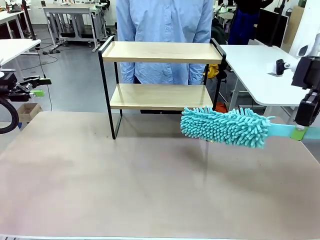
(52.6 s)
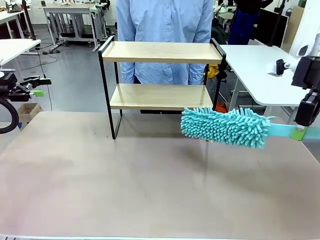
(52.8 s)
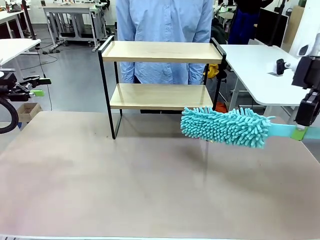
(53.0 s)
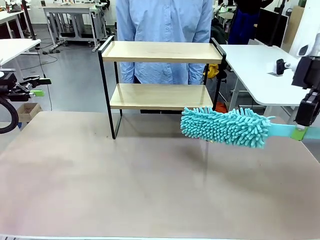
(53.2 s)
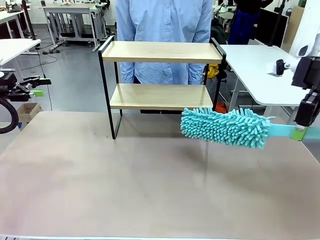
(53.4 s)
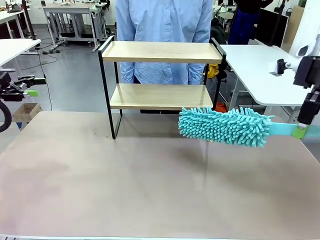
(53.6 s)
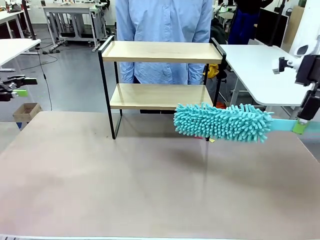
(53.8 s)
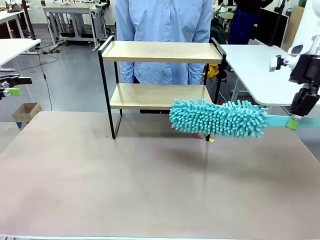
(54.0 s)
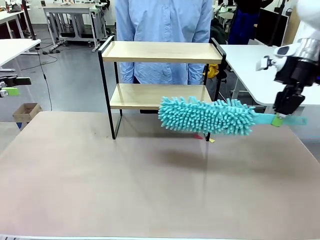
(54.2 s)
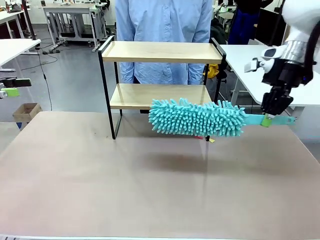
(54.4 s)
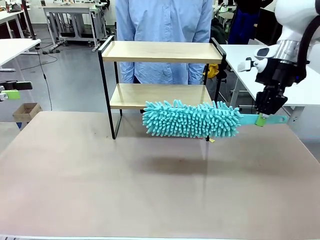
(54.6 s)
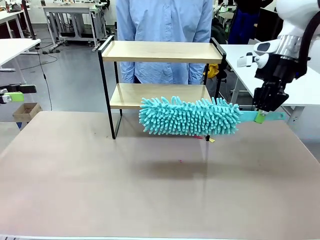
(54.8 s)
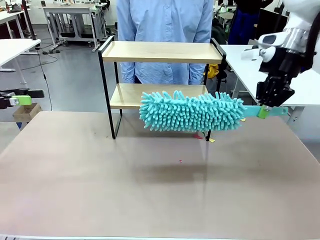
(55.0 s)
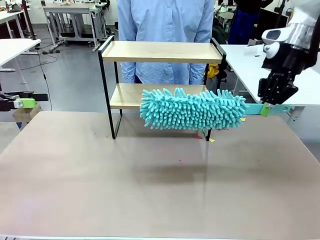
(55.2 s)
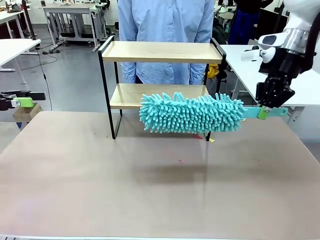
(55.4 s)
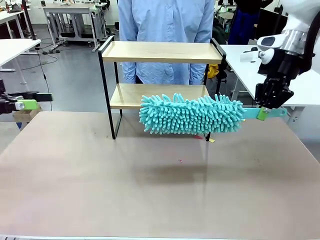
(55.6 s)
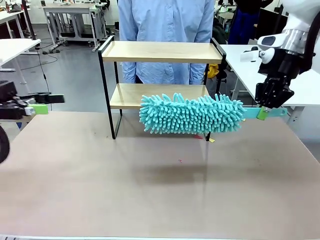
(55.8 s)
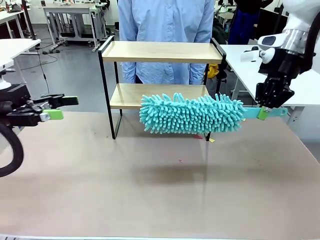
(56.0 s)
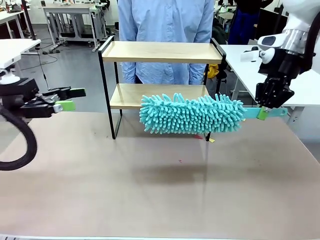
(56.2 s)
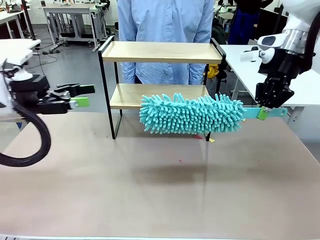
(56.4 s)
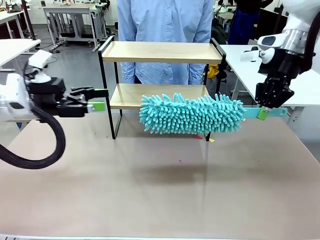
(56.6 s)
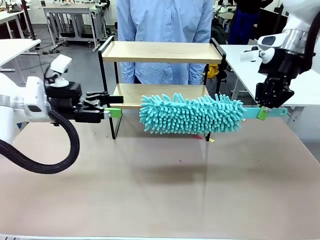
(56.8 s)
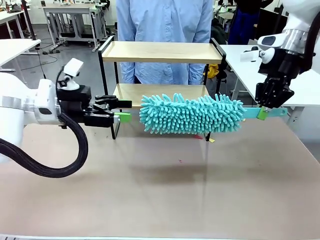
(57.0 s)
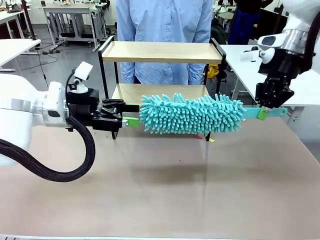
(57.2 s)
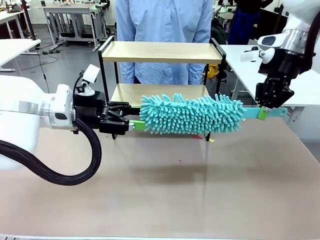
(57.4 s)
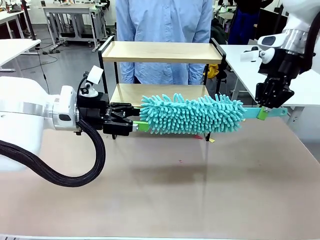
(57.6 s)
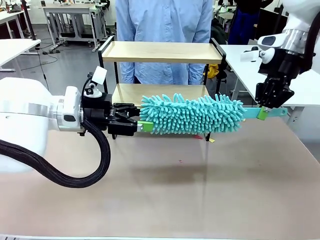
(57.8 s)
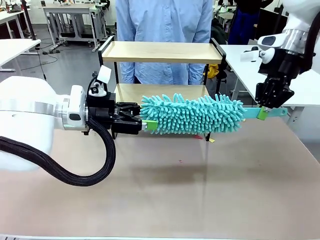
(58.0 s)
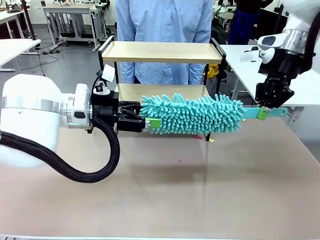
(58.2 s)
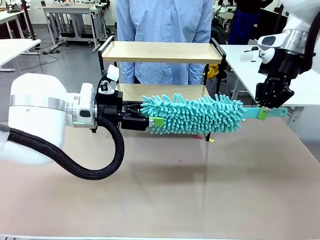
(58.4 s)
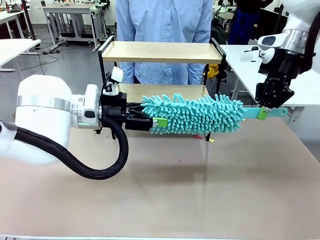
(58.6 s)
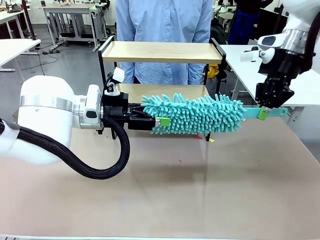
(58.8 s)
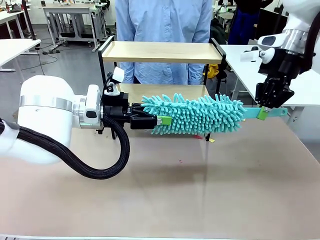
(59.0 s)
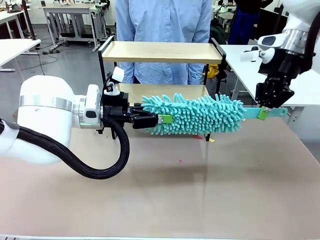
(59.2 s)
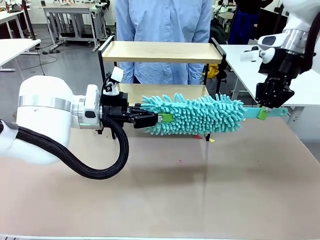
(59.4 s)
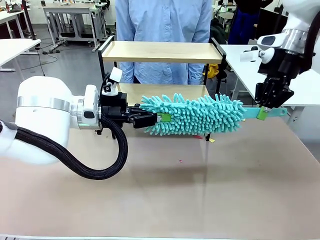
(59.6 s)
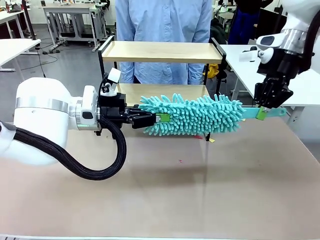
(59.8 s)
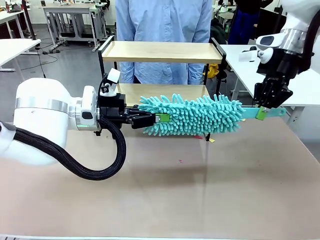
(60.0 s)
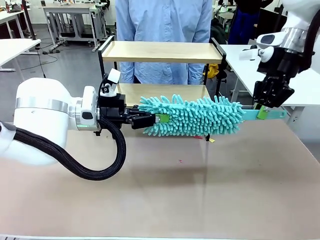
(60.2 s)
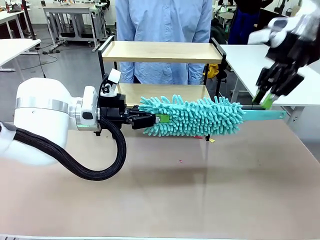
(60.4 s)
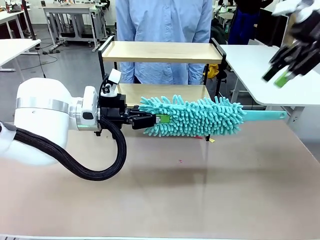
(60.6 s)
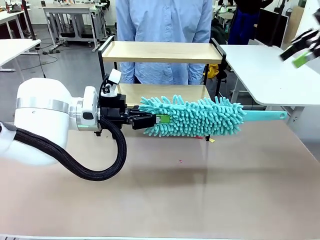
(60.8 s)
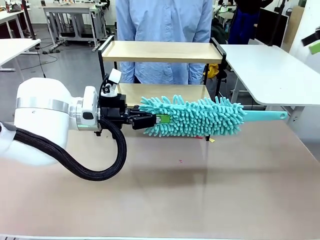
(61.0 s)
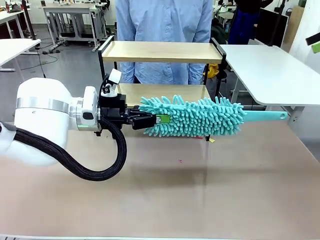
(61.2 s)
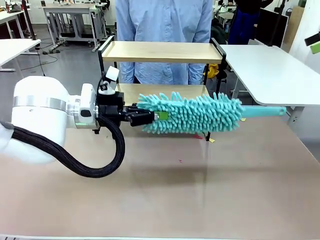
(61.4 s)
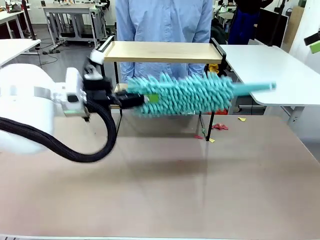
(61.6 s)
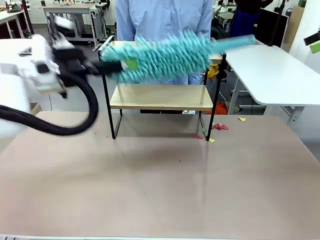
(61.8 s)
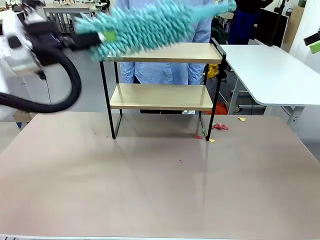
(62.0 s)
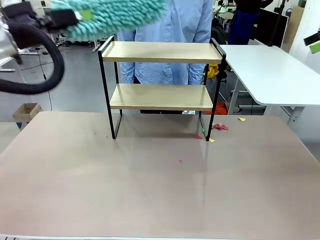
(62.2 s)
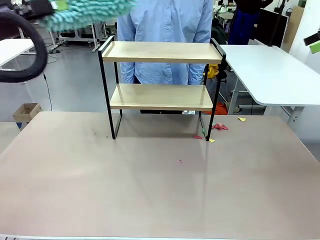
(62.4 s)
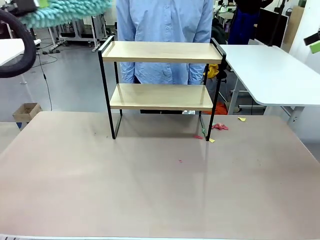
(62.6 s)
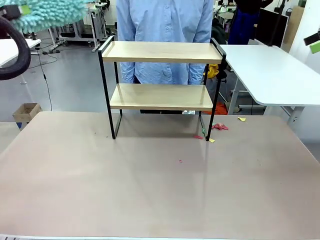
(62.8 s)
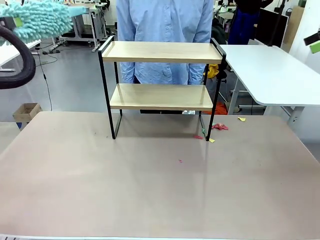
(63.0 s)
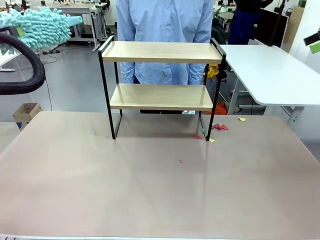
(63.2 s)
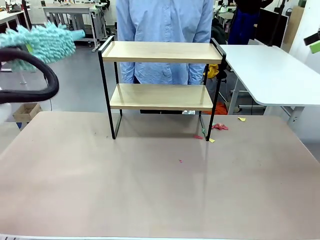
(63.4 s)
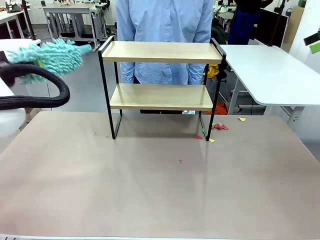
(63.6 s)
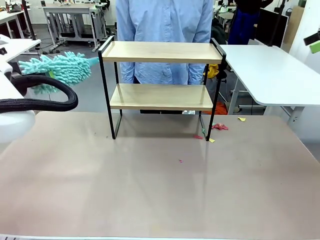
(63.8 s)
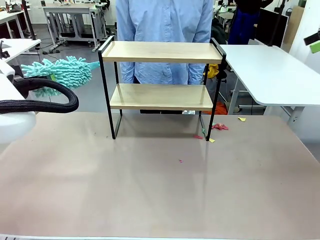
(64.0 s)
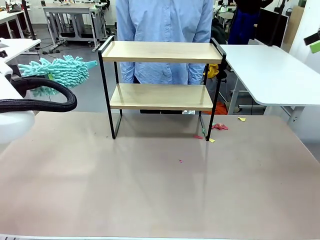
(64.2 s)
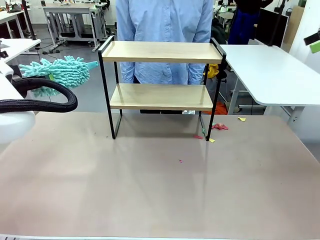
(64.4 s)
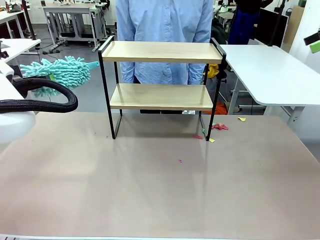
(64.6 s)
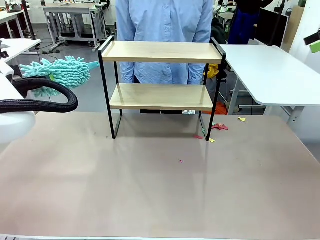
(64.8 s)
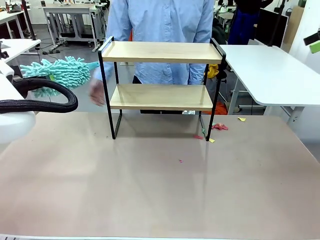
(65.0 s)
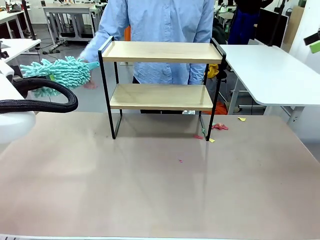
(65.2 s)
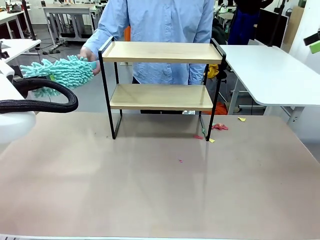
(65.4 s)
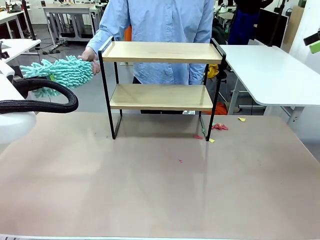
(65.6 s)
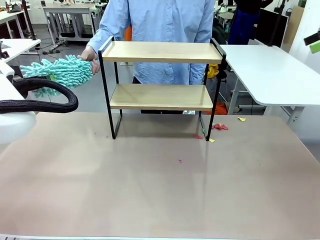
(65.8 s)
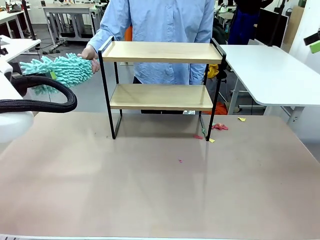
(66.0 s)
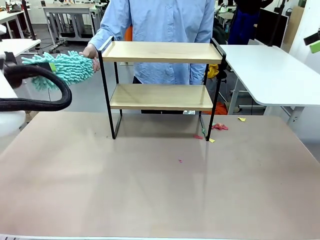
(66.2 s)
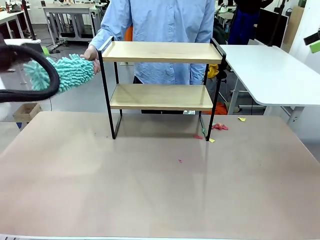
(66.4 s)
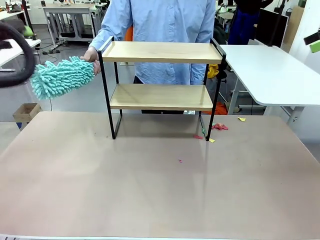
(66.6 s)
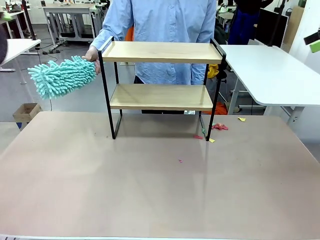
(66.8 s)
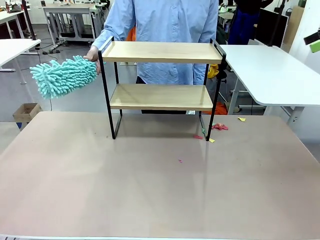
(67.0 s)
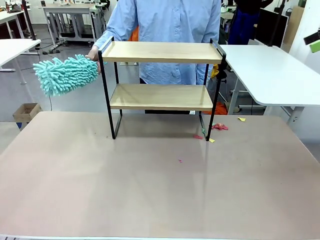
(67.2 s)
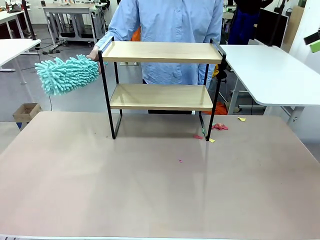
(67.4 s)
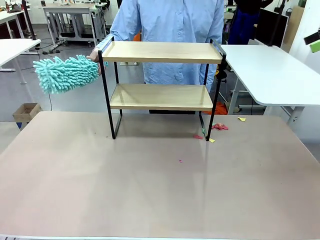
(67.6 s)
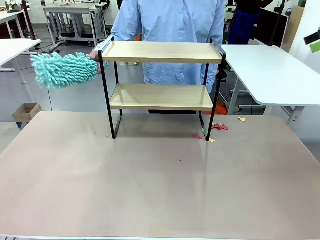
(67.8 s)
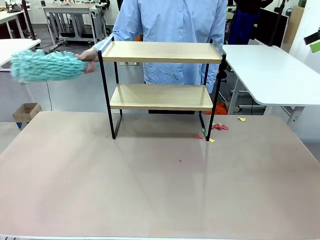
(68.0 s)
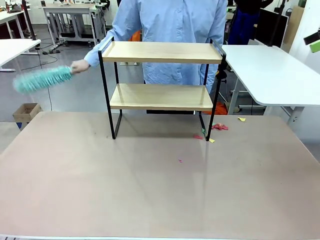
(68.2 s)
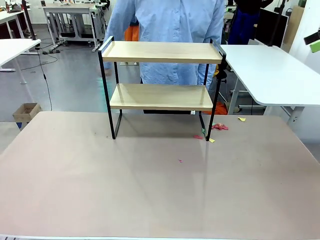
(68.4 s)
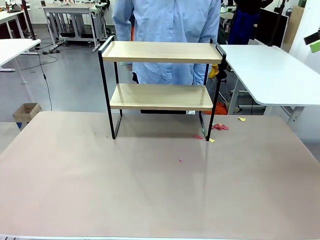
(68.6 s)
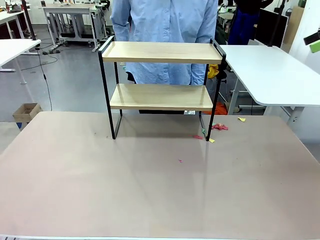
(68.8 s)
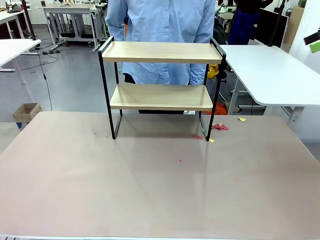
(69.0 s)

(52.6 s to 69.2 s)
Task: Clean the shelf.
Robot: Hand the Duster back to the human.
Person: Receive the Duster from the robot.
